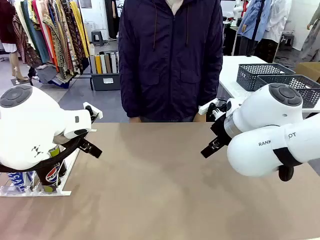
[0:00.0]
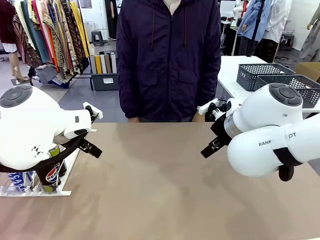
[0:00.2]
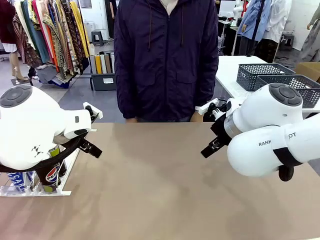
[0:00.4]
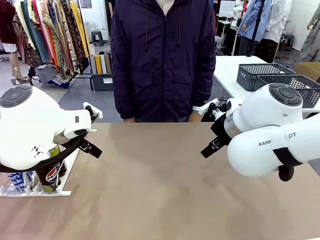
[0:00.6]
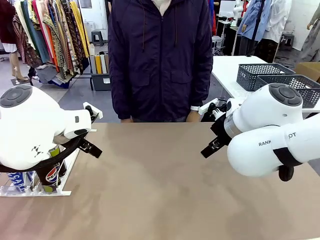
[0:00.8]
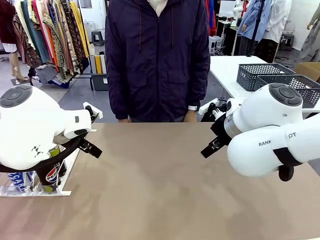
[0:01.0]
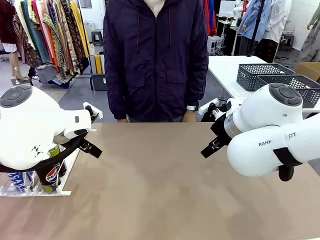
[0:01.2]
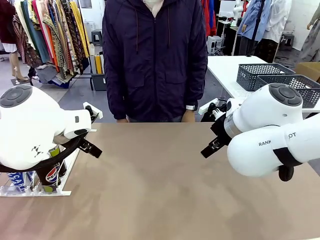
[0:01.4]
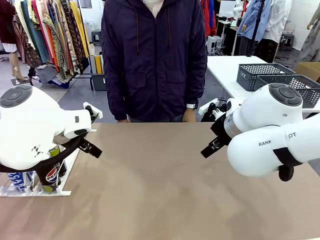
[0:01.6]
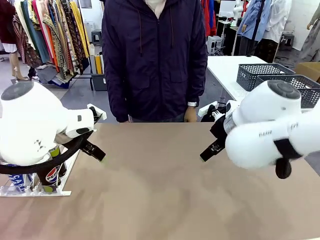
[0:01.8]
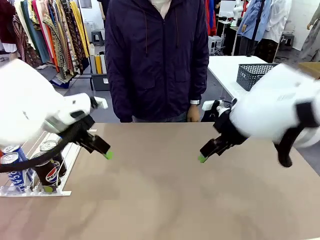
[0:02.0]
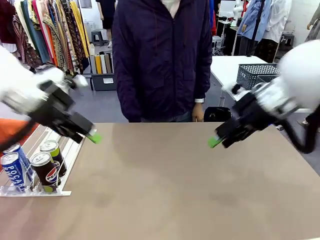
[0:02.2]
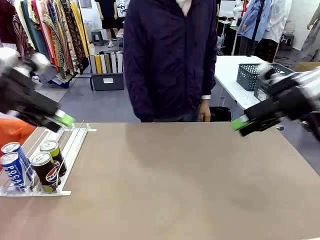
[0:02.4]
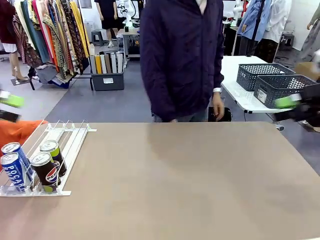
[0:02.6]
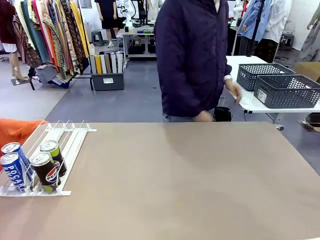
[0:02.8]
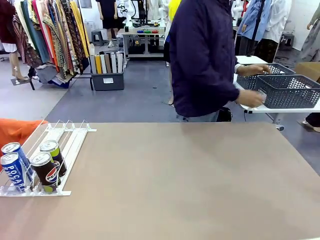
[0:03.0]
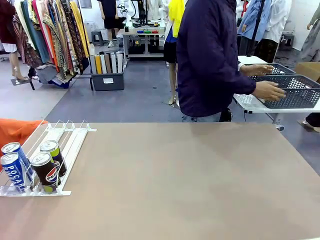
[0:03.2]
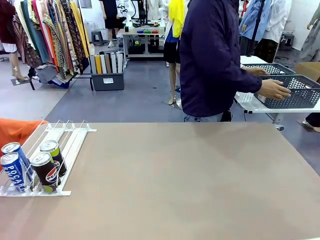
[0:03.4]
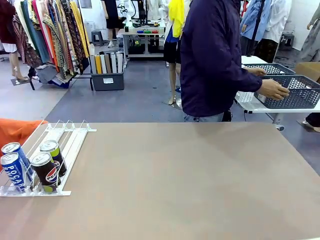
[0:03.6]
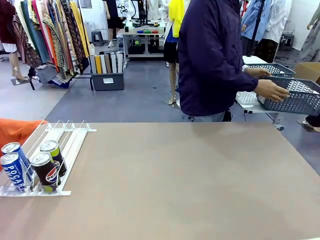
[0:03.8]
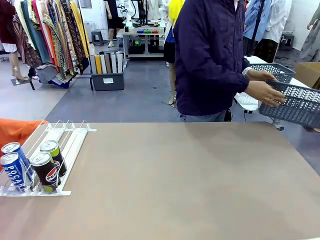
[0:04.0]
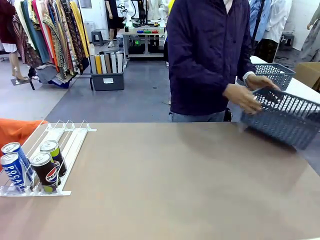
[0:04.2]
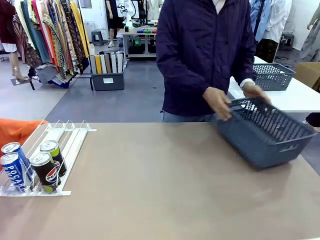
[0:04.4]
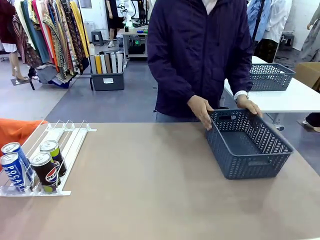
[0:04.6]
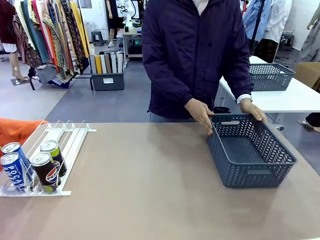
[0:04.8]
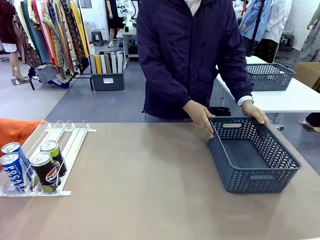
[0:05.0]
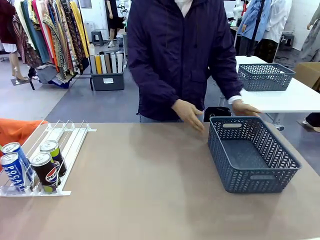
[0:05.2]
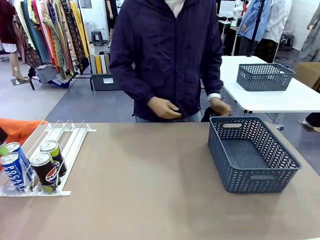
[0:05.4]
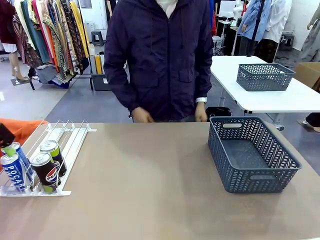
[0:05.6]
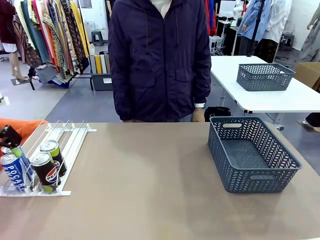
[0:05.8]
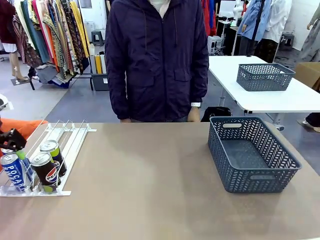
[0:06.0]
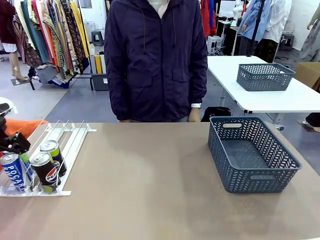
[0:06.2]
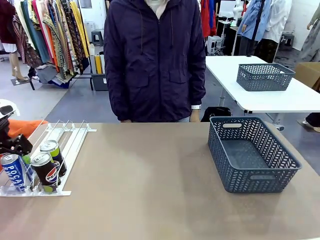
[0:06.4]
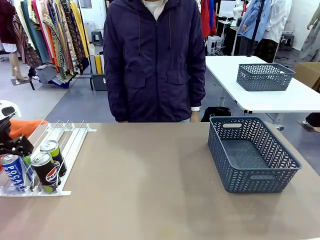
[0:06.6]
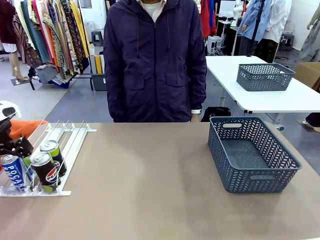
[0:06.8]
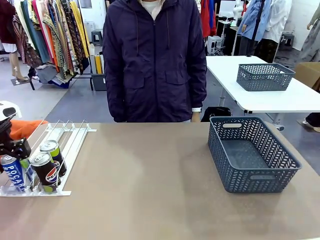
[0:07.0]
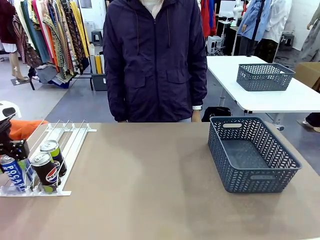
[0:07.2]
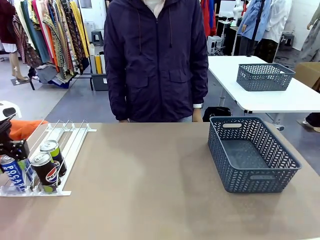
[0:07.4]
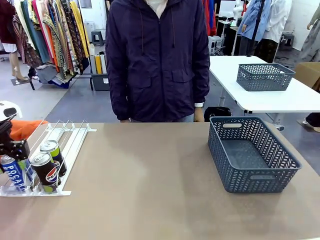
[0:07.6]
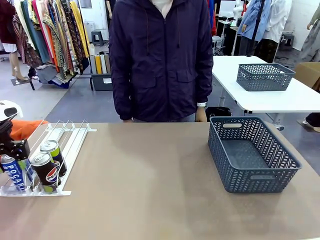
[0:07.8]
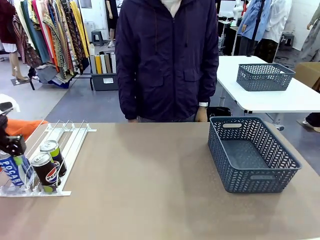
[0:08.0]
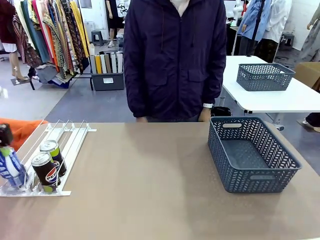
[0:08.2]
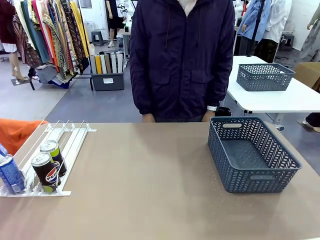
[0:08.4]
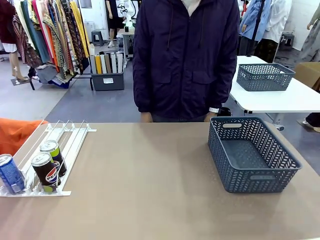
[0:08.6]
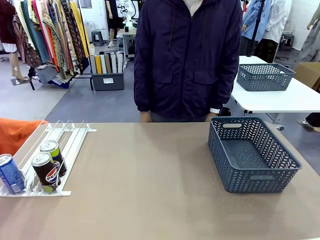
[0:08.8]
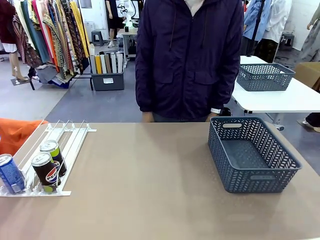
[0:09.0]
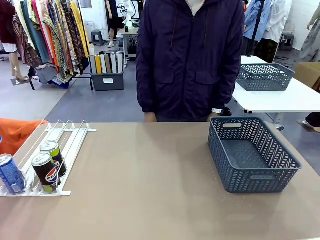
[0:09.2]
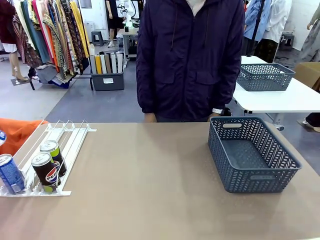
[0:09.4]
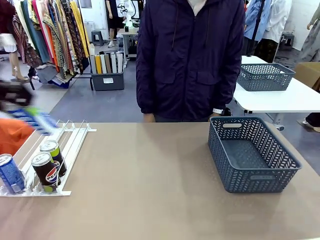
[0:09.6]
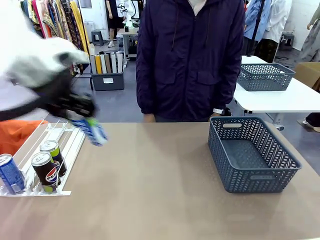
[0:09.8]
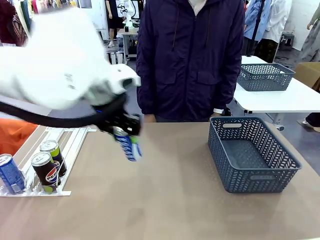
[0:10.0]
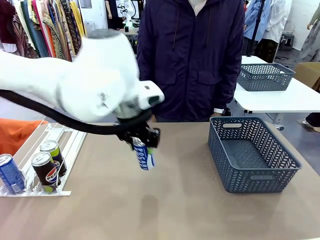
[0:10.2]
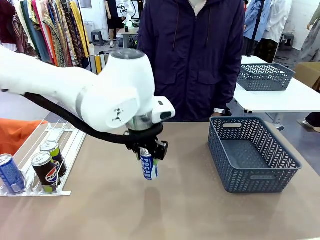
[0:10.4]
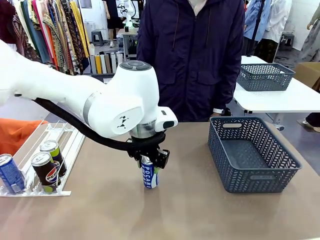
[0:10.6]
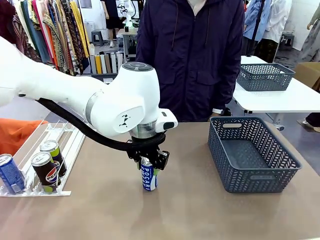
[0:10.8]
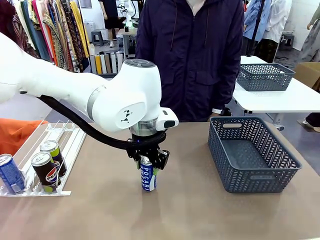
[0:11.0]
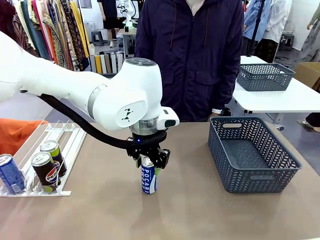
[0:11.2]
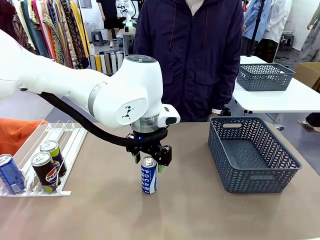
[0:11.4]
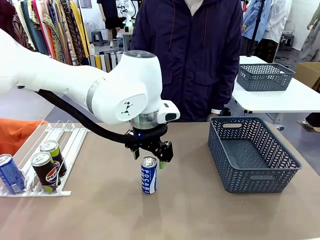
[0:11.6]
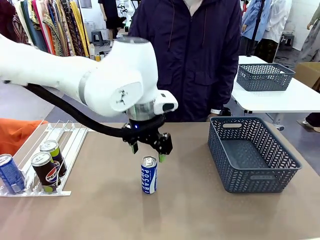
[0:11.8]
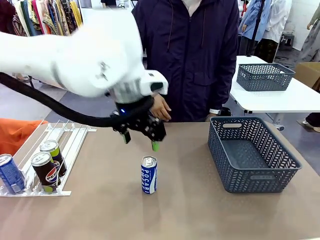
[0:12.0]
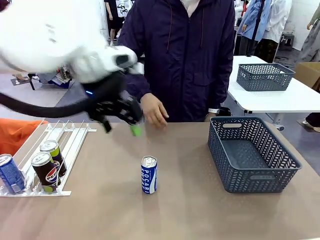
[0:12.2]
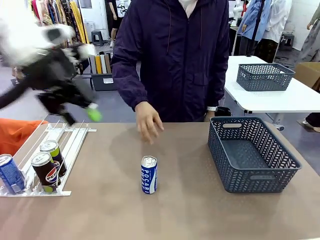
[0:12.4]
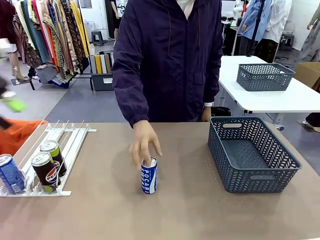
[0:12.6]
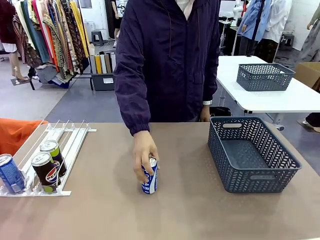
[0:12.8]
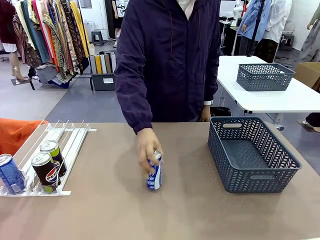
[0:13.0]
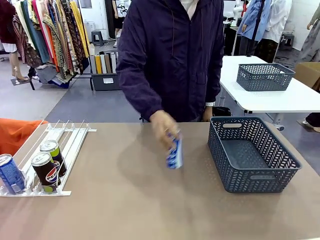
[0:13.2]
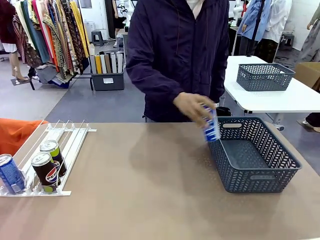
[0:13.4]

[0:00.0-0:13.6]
Task: Retrieve and store the cans from the dispenser.
Robot: Pick up one can from the Automatic Can Dispenser and place it in the middle of the table.
Person: Pick up the basket and place it on the left side of the robot table.

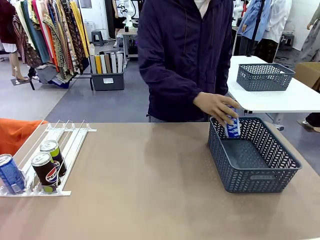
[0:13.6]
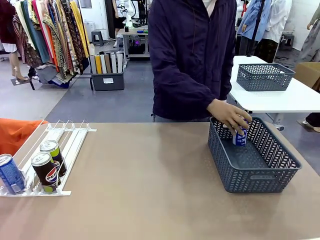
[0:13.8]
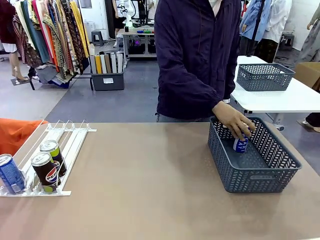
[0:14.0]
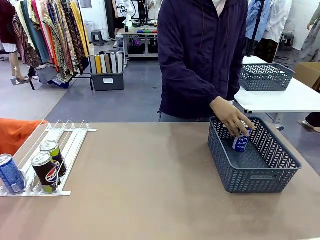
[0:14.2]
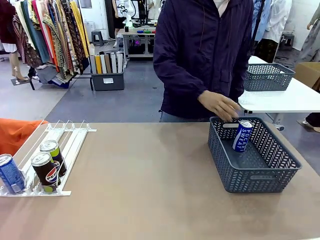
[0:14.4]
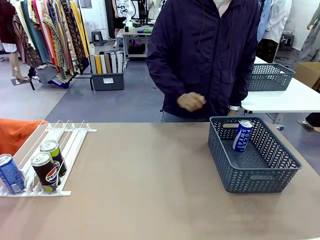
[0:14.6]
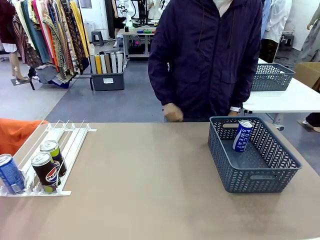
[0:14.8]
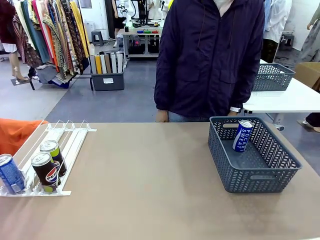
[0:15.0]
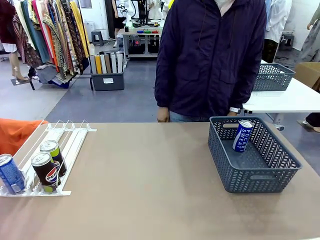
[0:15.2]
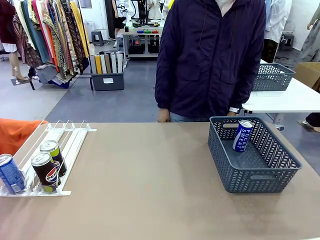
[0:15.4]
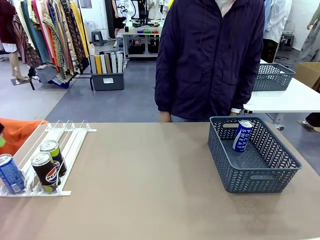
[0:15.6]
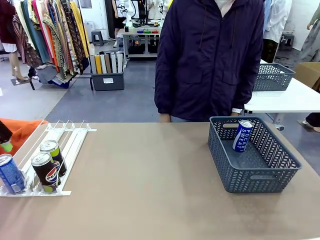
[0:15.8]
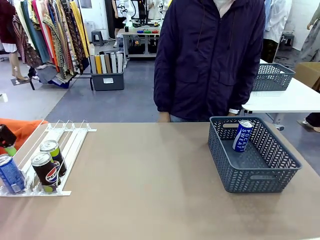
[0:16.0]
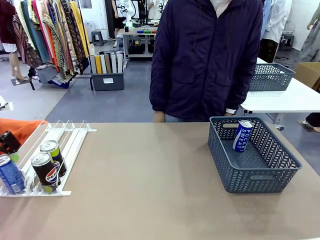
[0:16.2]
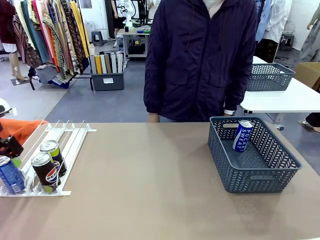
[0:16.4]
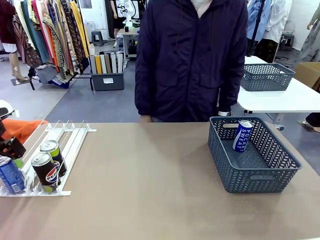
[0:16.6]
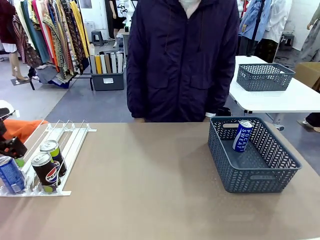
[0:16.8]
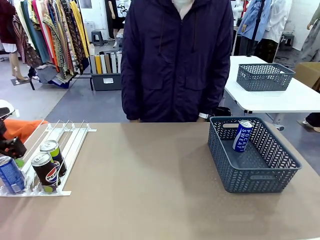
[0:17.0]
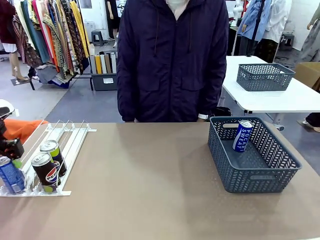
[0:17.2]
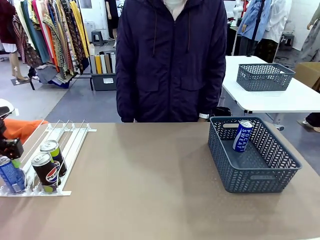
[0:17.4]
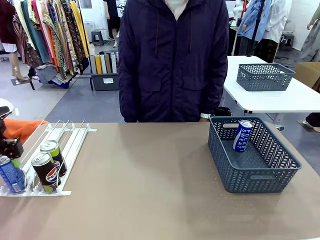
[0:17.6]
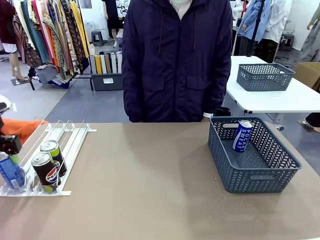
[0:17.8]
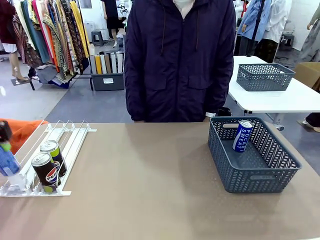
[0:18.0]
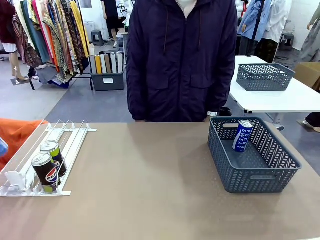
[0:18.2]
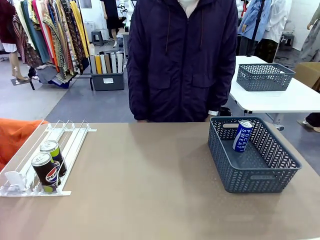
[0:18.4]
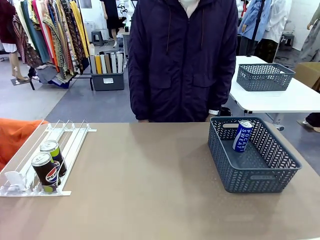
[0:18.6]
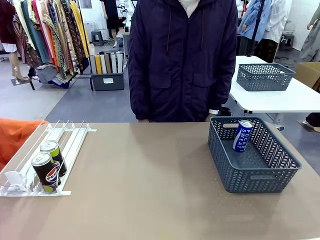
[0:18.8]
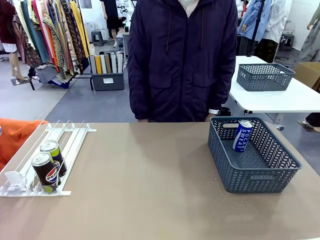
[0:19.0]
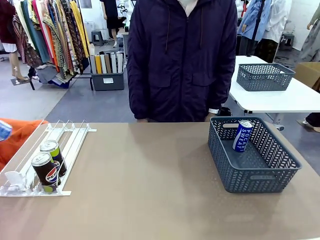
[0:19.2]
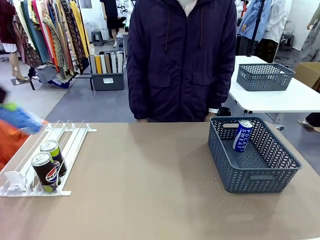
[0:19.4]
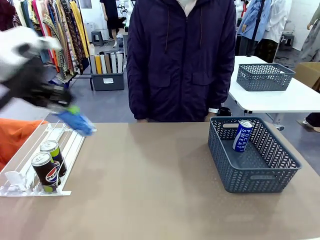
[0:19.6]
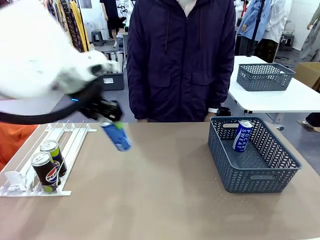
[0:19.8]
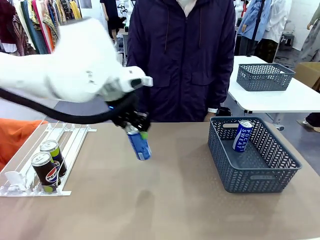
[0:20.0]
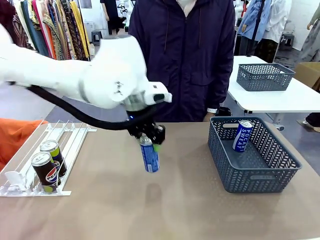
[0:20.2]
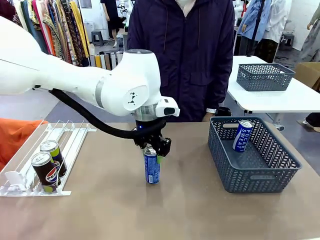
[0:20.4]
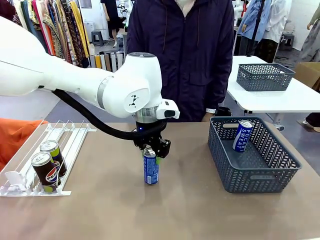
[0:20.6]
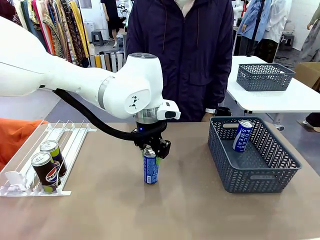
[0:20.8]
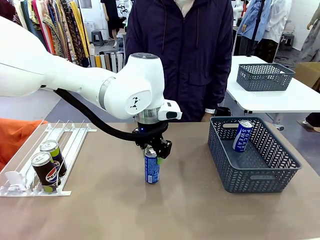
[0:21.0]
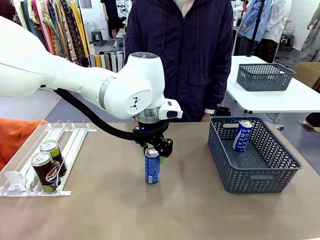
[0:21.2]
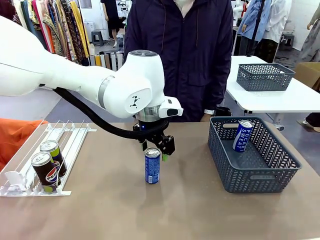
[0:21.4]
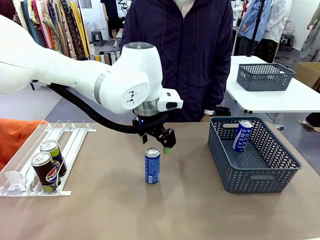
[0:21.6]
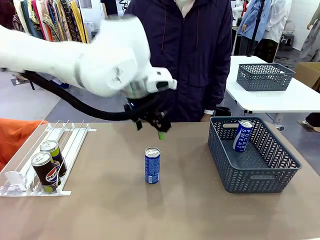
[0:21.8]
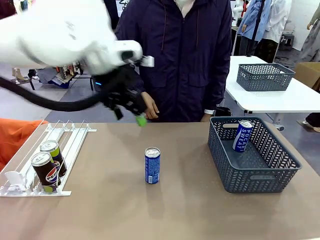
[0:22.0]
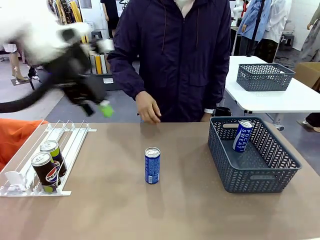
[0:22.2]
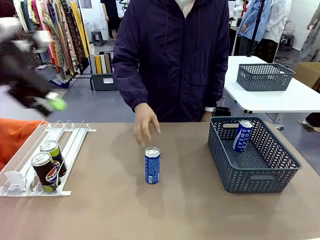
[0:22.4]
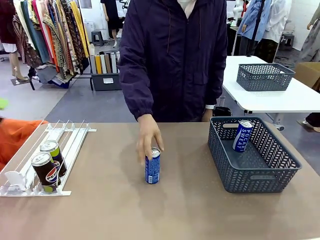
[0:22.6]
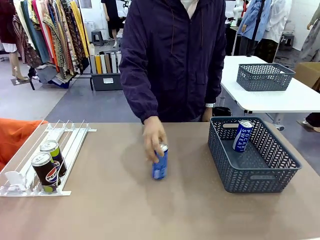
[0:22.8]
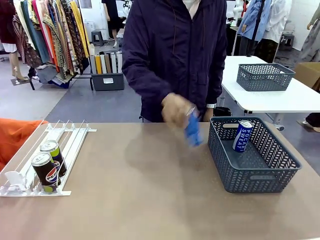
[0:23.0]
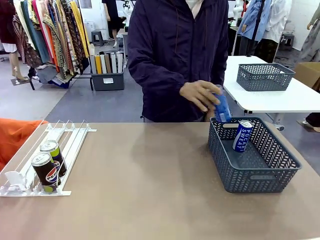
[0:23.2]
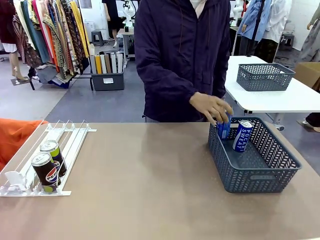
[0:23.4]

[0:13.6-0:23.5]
Robot: Pick up the last remaining can from one row of the Automatic Can Dispenser and place it in the middle of the table.
Person: Pick up one Pepsi can from the middle of the robot table and place it in the basket.
